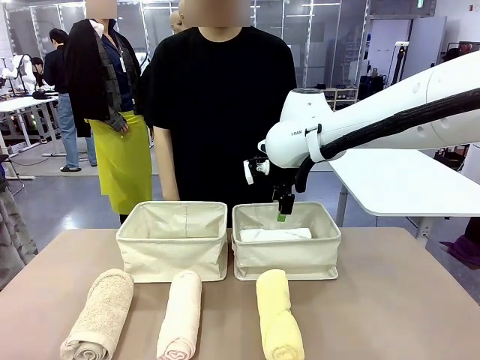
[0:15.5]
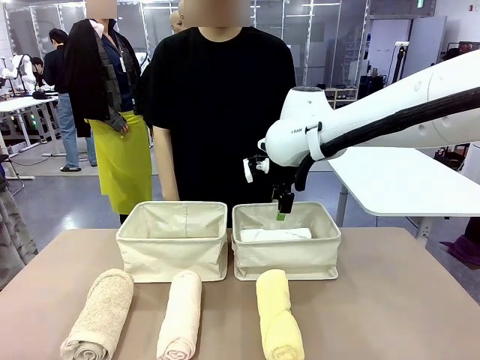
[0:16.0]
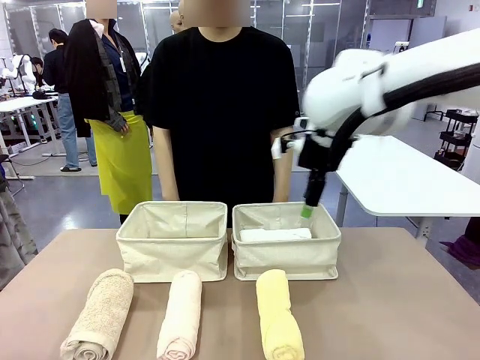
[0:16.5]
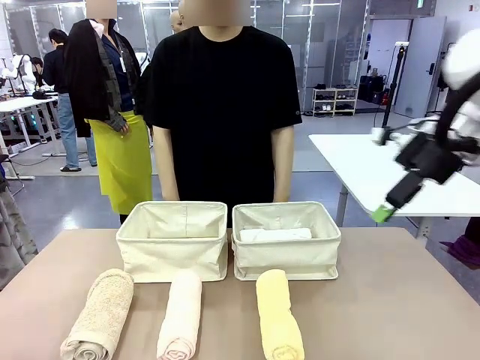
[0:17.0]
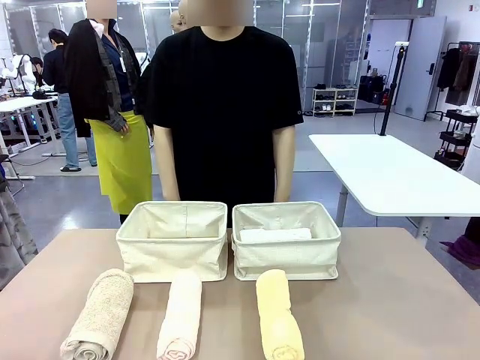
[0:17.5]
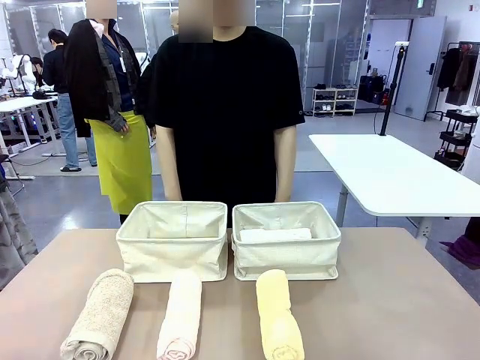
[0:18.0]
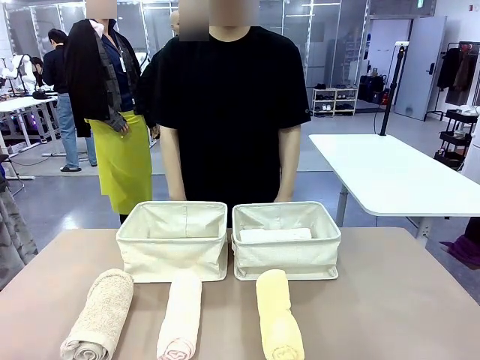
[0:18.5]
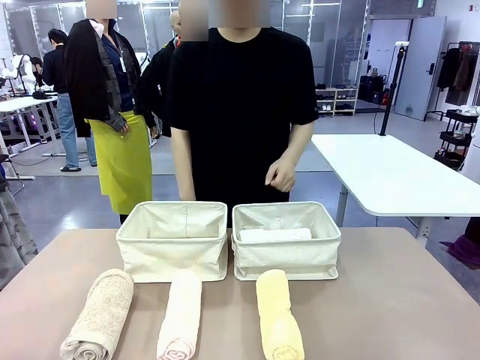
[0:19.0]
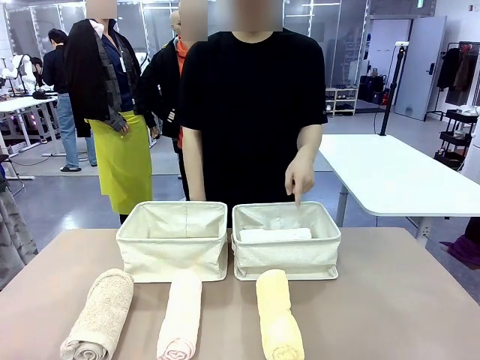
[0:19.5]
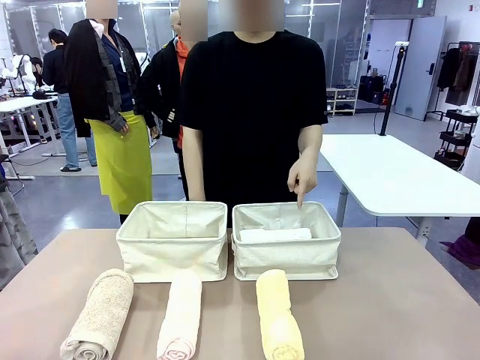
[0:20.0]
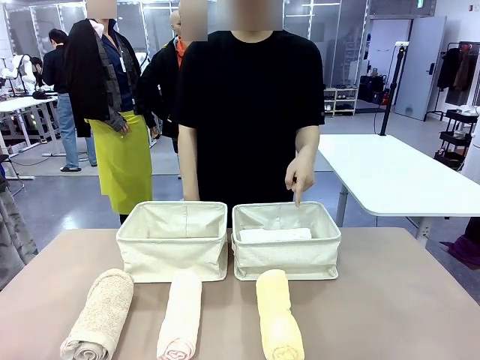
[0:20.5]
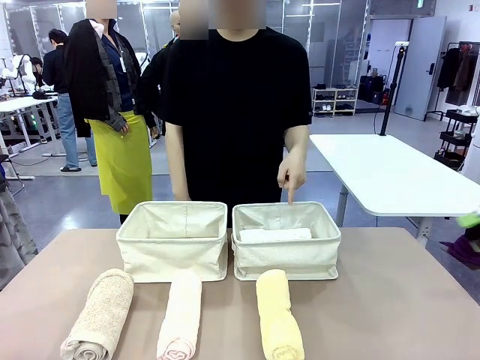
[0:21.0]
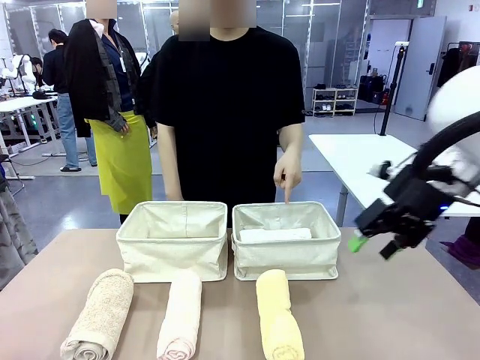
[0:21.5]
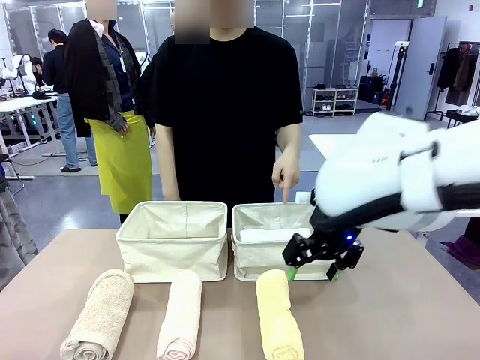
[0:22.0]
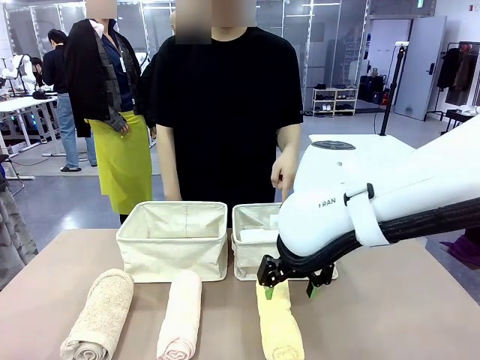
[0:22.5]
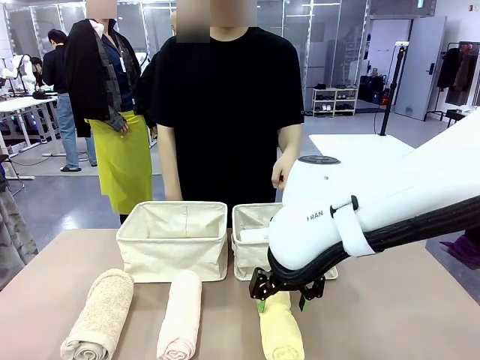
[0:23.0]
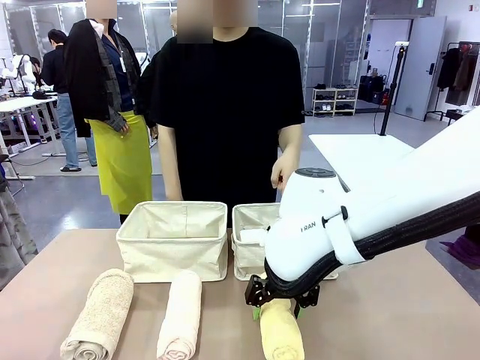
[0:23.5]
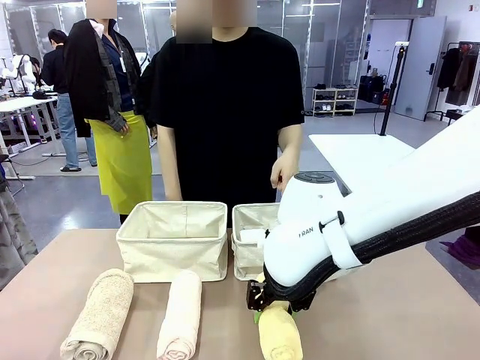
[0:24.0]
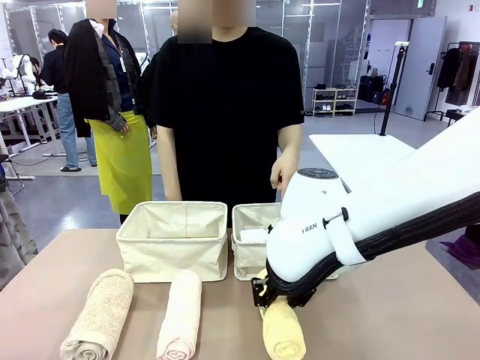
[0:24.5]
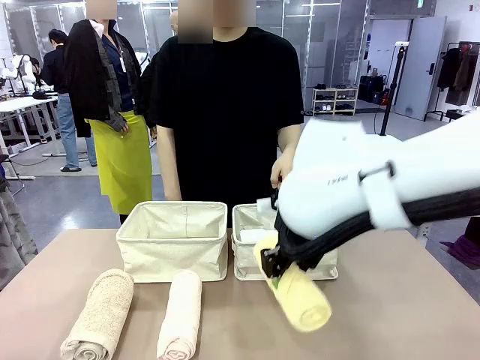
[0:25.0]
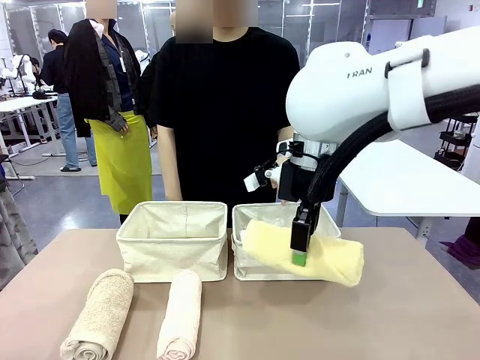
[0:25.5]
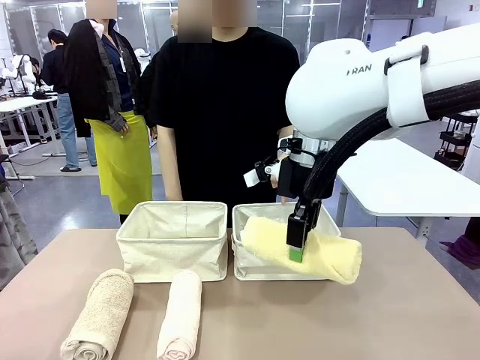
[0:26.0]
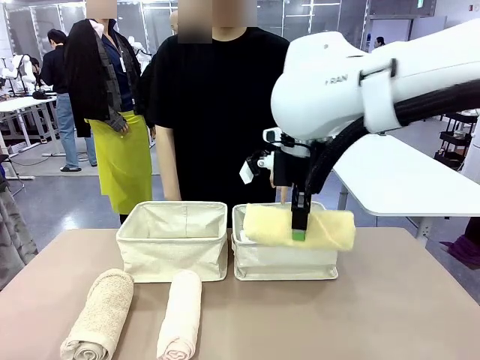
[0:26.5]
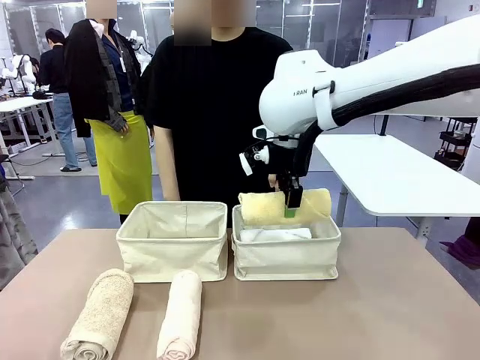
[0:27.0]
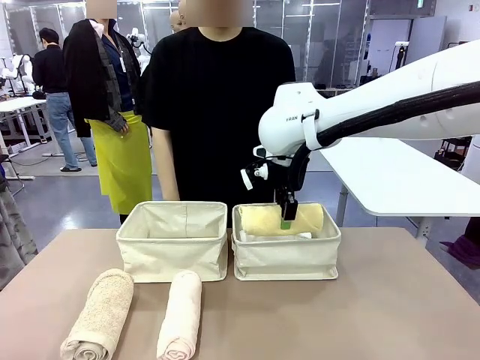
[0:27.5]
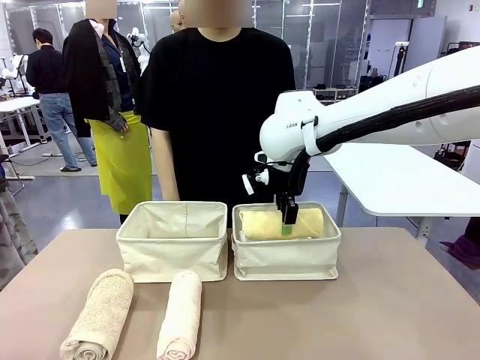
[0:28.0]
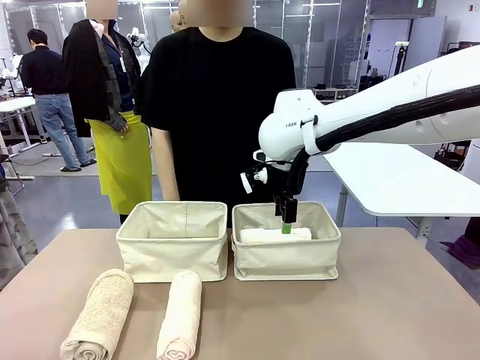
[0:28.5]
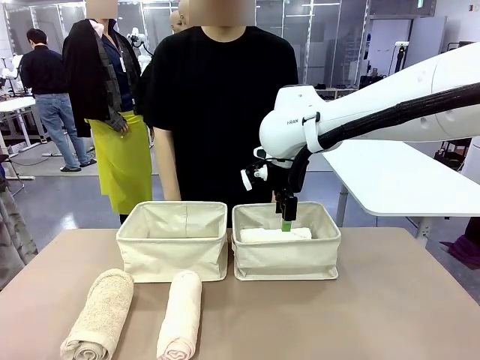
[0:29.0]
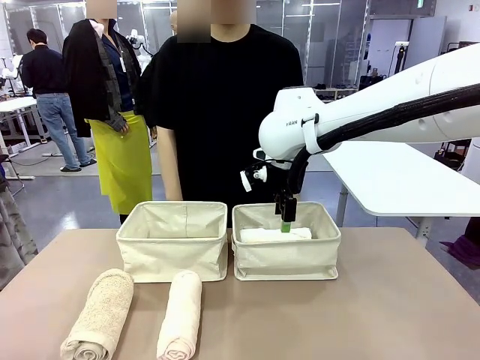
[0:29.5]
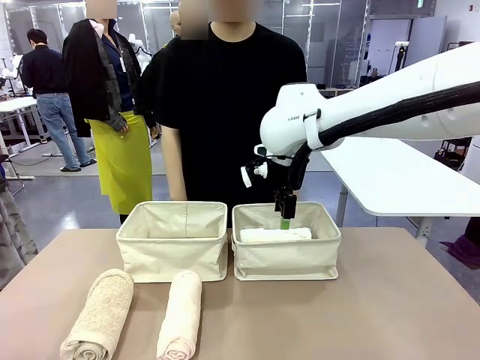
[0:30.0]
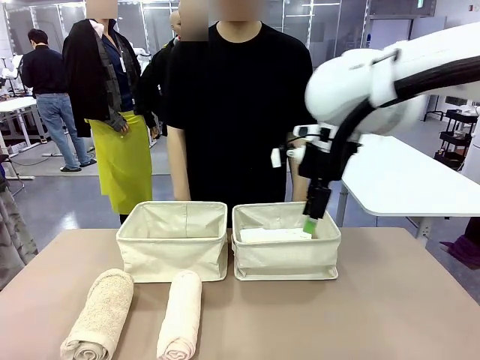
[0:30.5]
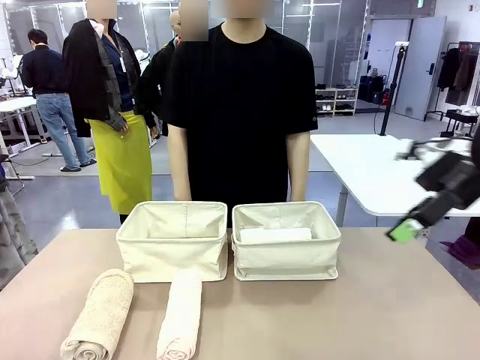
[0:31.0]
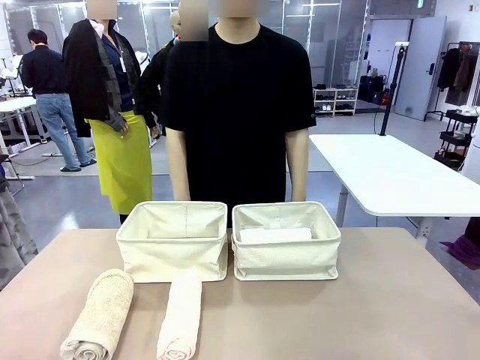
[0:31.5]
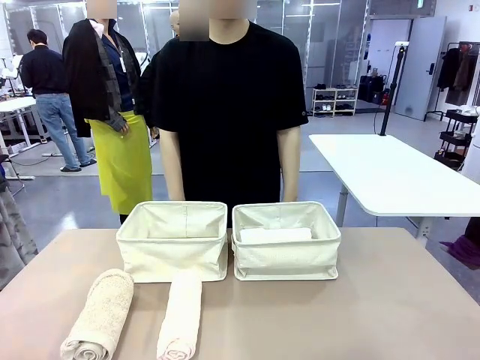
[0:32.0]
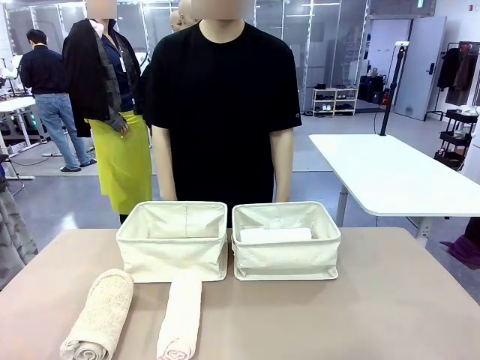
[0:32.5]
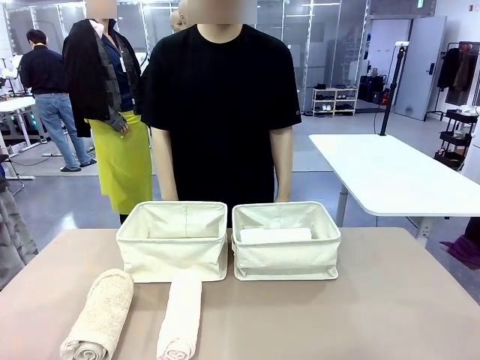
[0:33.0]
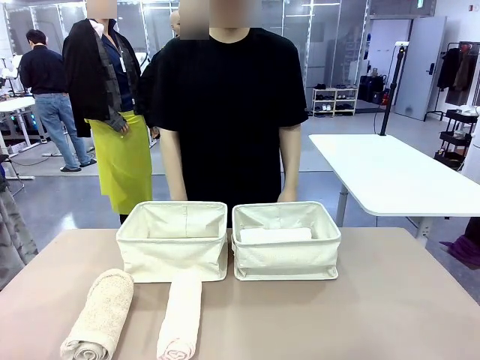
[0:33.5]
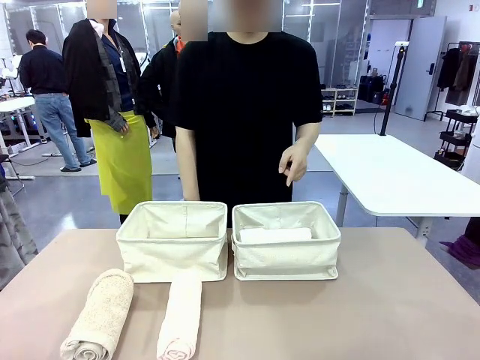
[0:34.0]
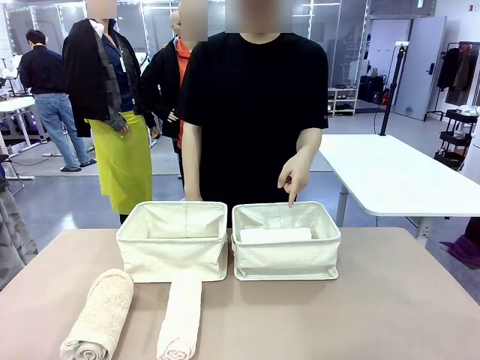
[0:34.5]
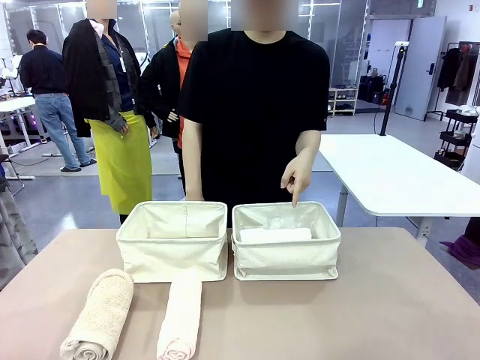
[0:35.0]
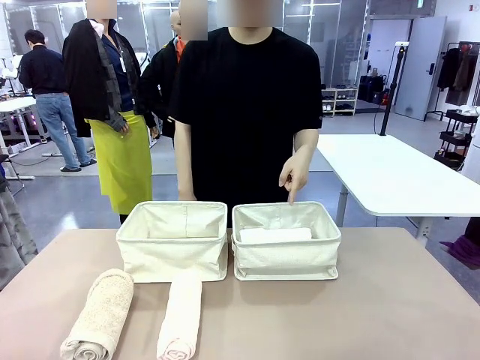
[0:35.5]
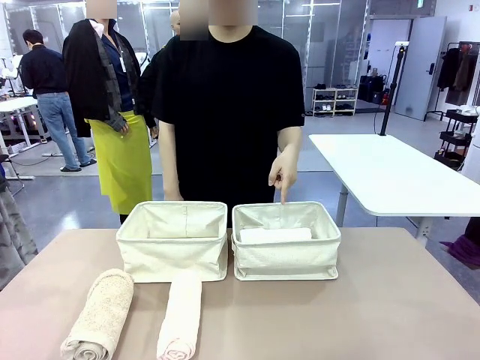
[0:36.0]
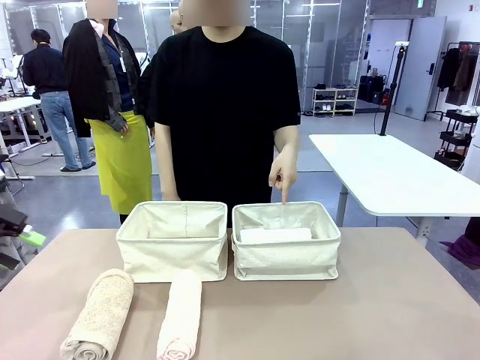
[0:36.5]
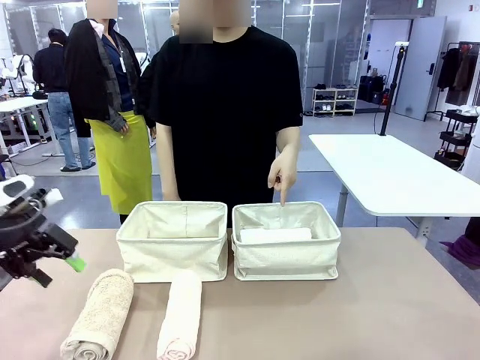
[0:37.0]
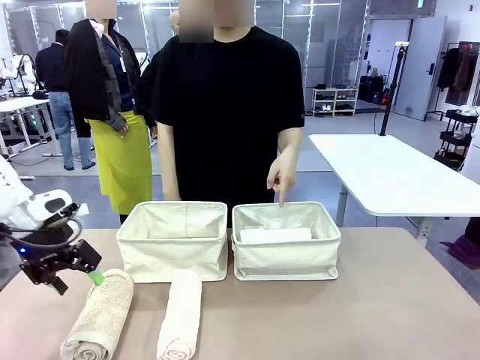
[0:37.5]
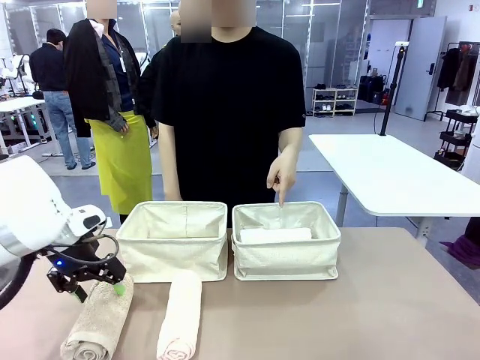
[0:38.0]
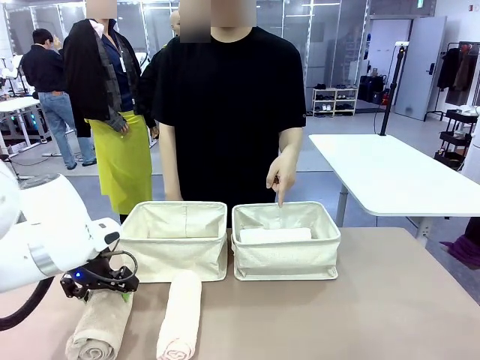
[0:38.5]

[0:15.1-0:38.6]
Task: Divide the towels into two baskets.
Robot: Pick up one hotel-folded towel from the bottom of the table and place it in the Fabric basket indicated by the person.

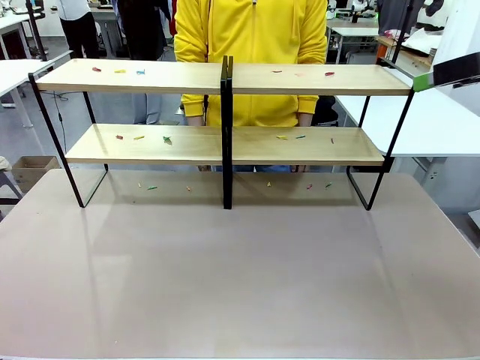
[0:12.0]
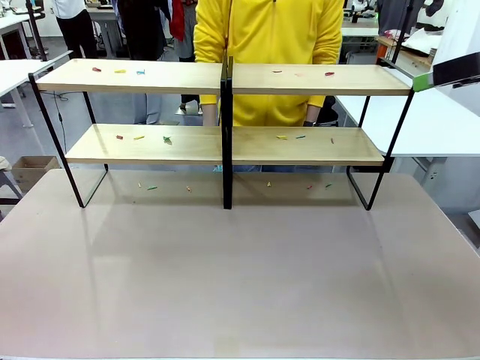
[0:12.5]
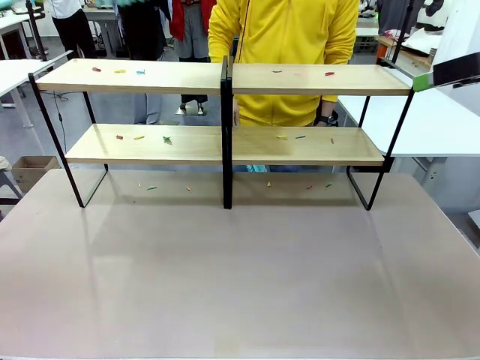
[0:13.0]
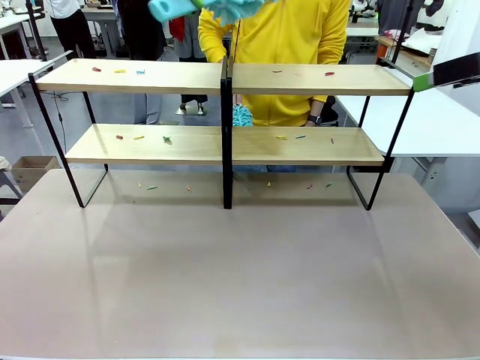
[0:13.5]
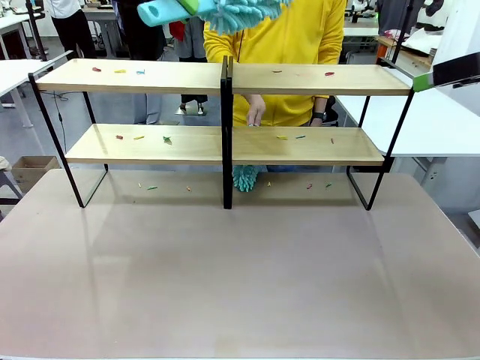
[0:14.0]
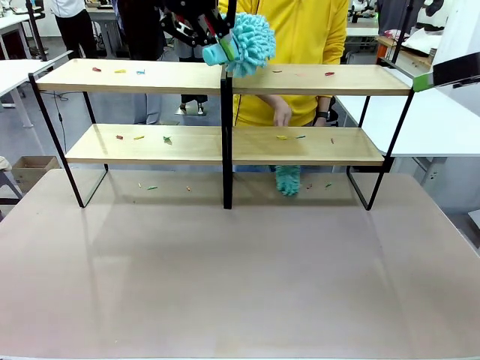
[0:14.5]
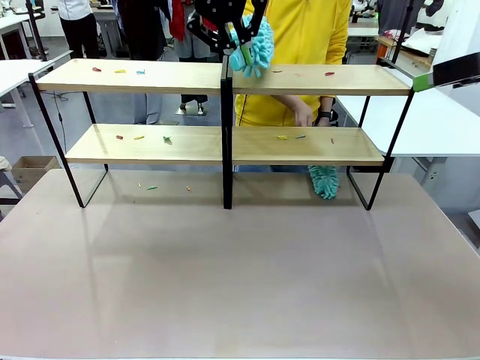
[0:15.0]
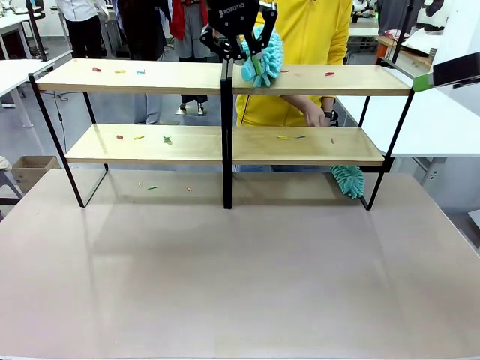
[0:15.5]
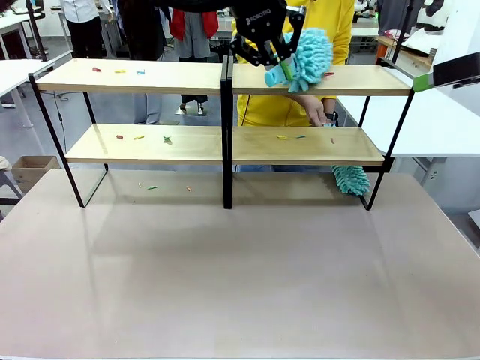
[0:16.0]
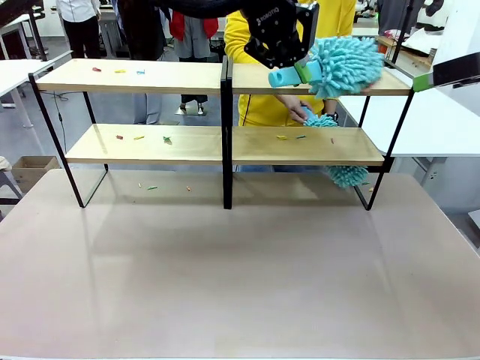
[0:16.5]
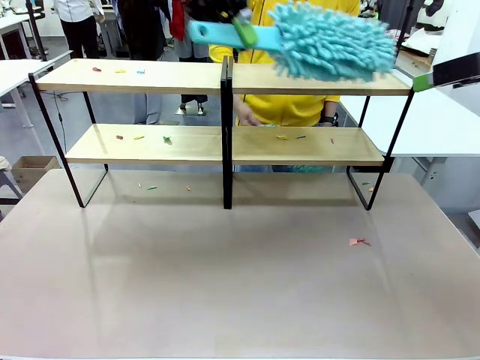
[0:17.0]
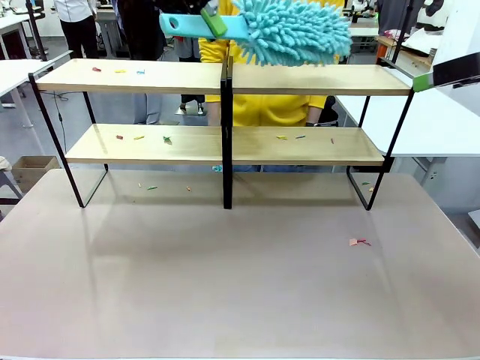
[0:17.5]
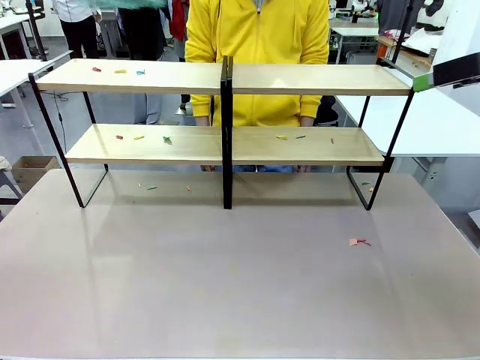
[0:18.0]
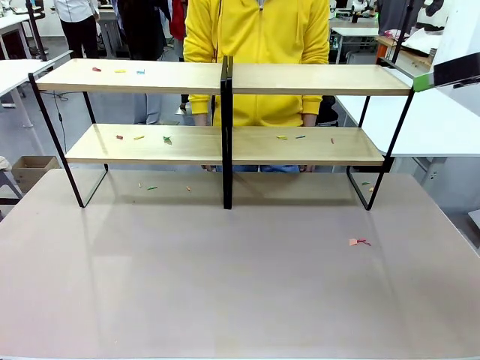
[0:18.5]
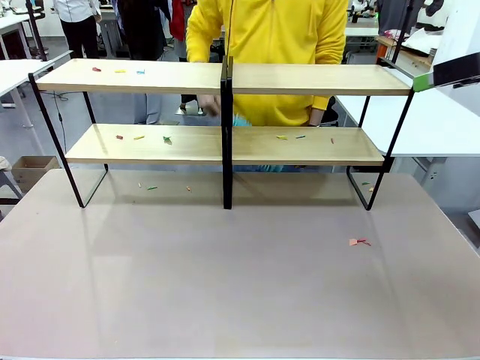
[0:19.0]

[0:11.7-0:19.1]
Task: Clean the shelves.
Robot: Clean a randomly selected level of the Shelf with the Duster.
